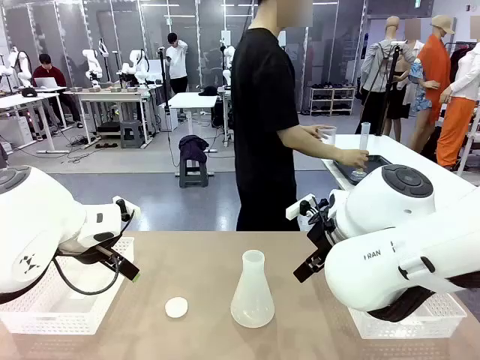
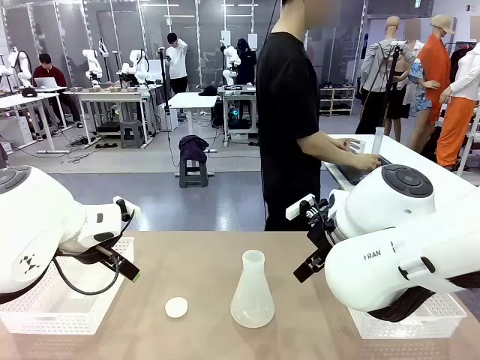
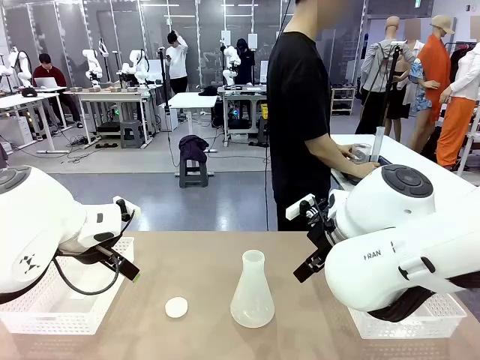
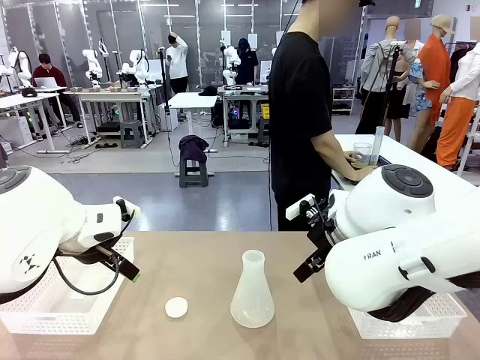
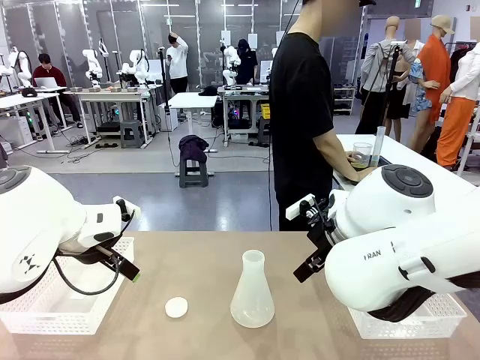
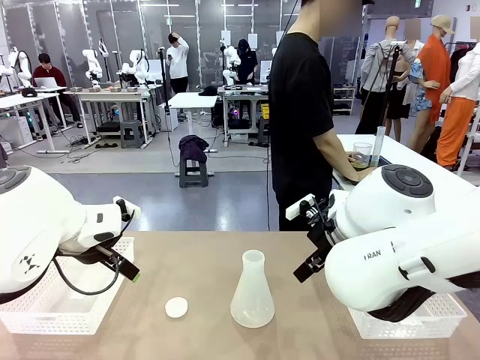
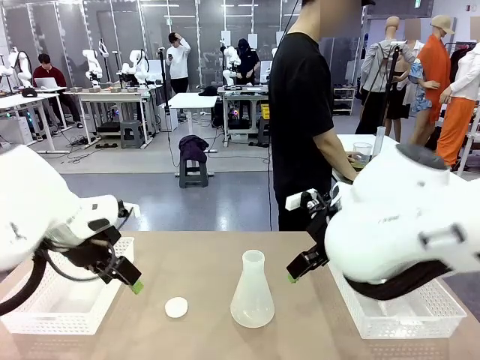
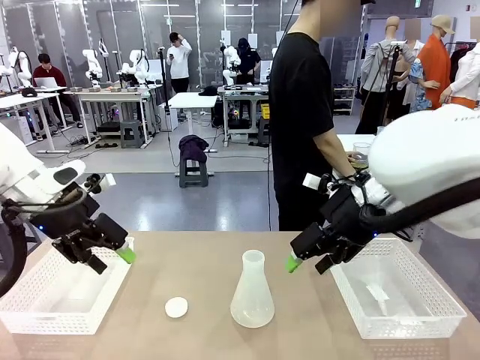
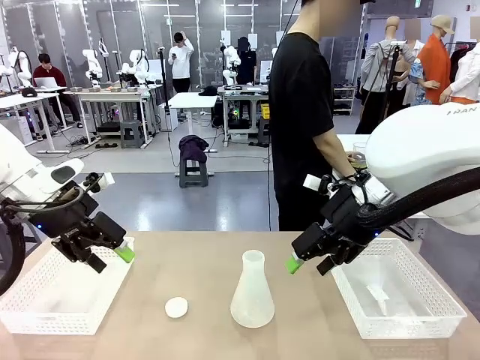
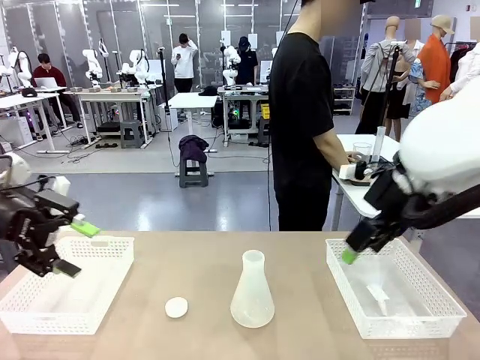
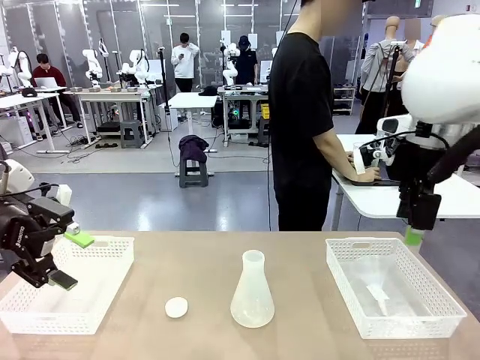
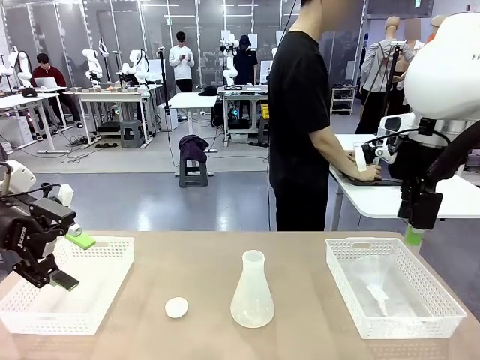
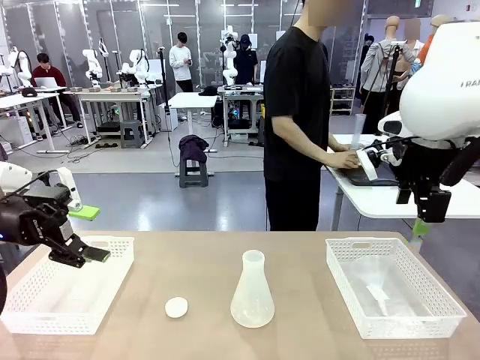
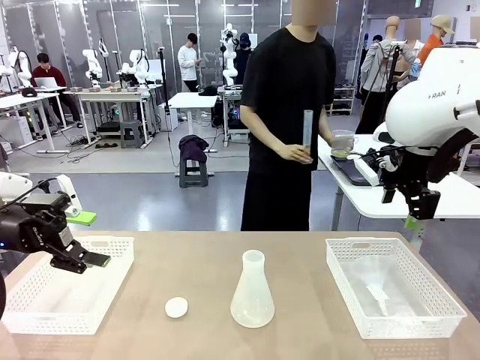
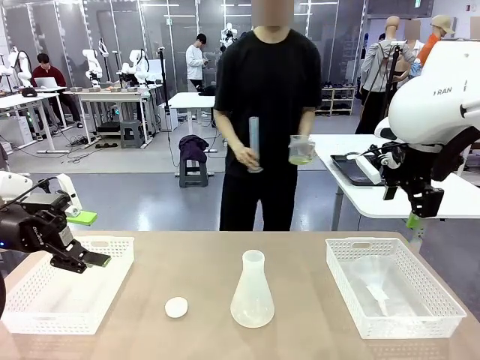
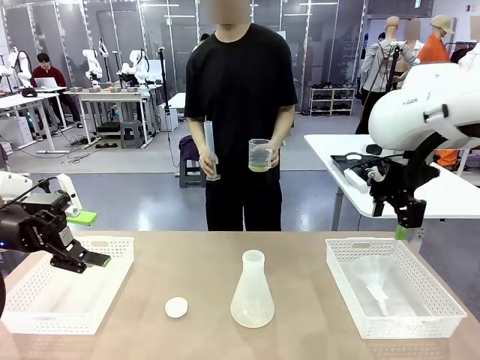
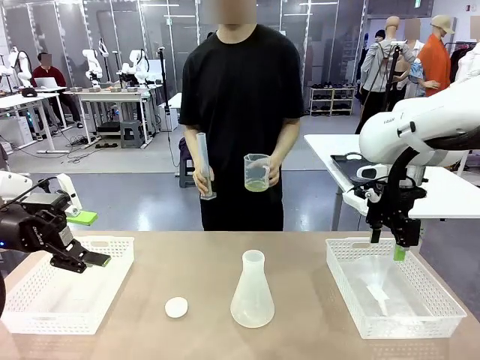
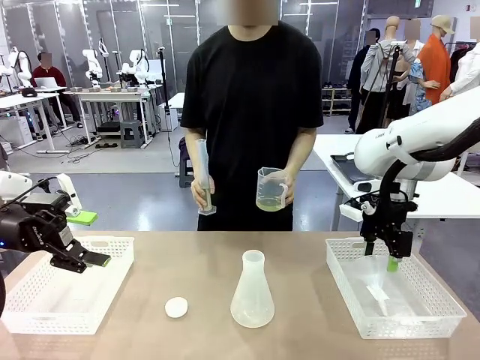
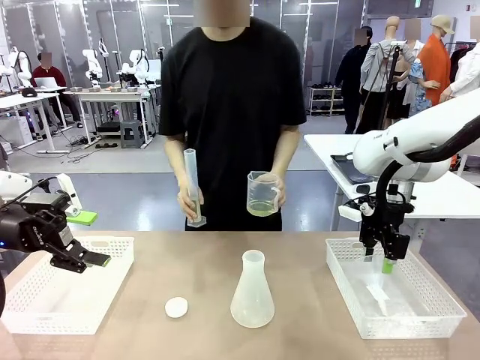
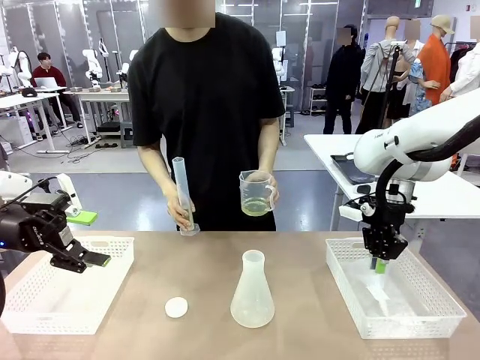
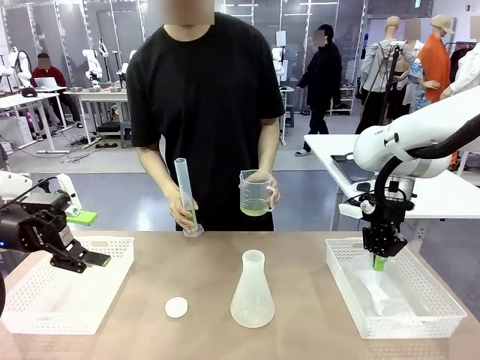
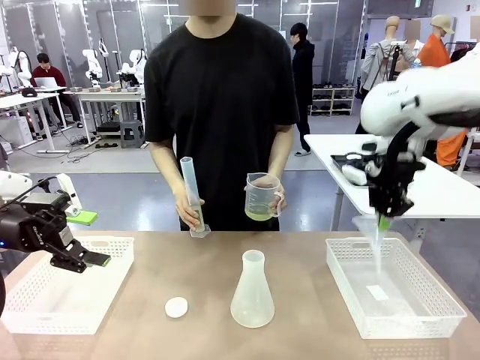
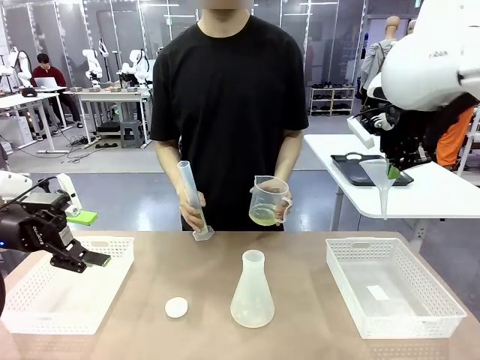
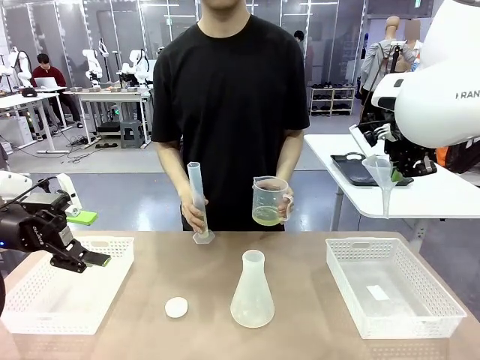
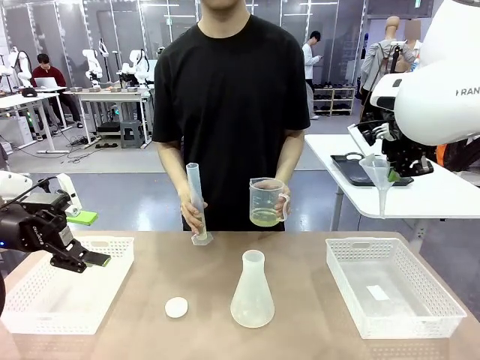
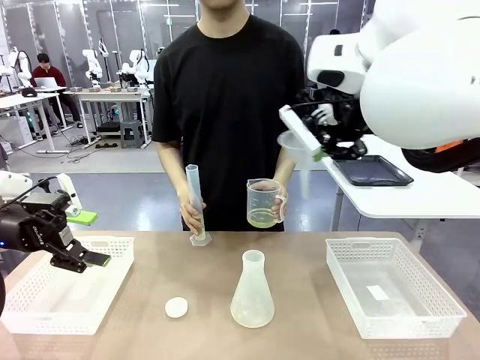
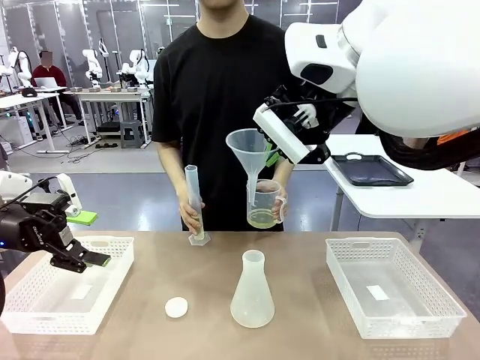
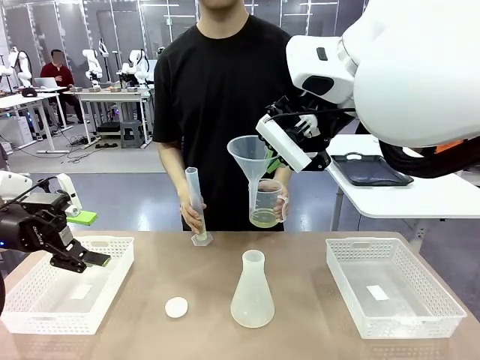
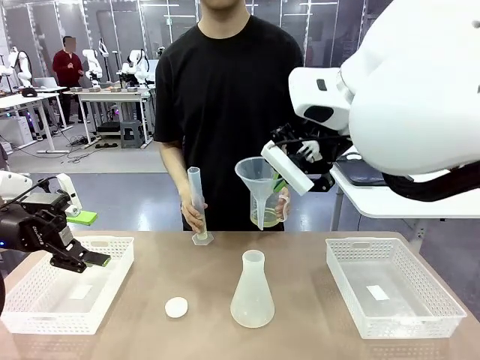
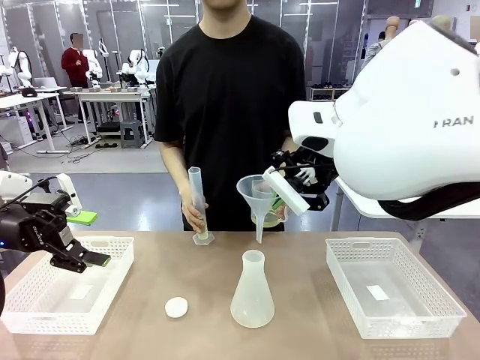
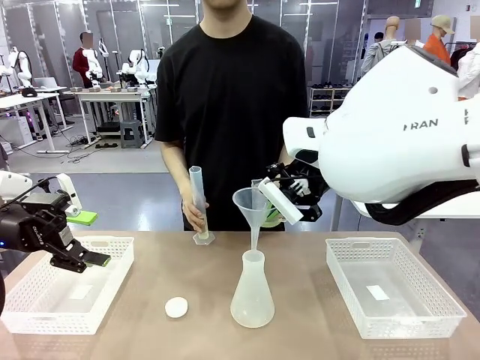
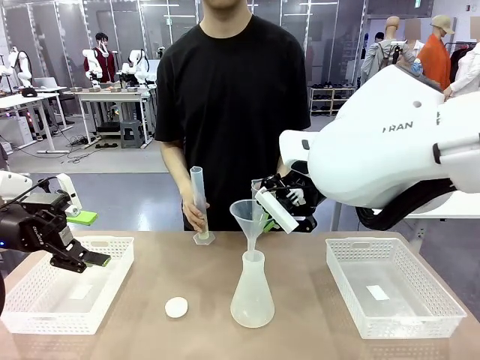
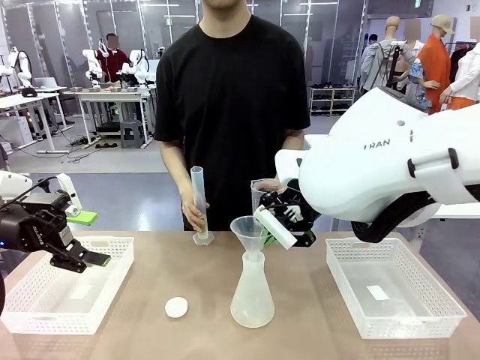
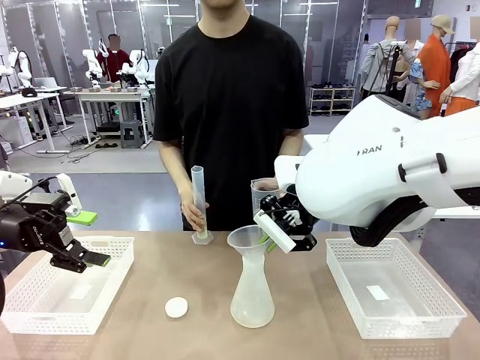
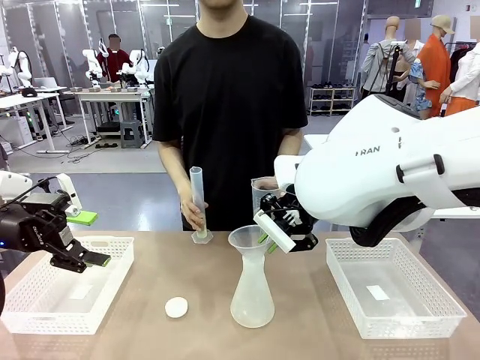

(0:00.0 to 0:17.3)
Task: Prepare the solutions needed for the experiment.
Robot: Pick up the Plastic Funnel and insert it into the Big flask.
Person: Pick up the beaker and the cylinder and move to the middle of the robot table. Pour the solution from the beaker and the cylinder into the flask.

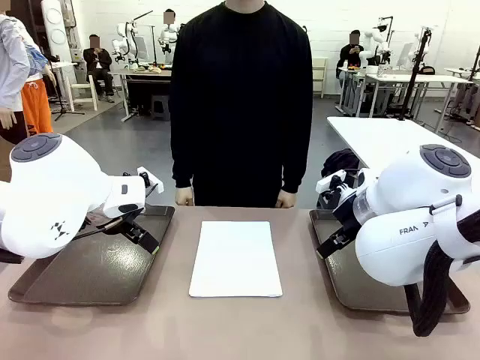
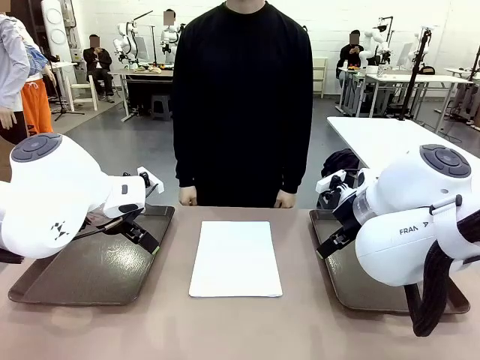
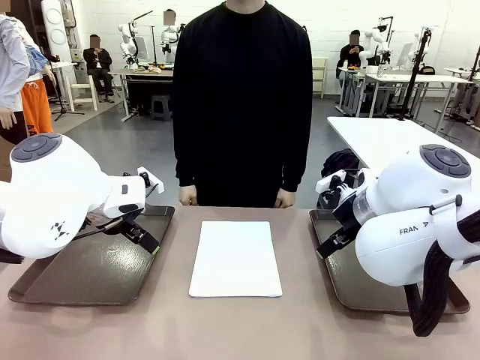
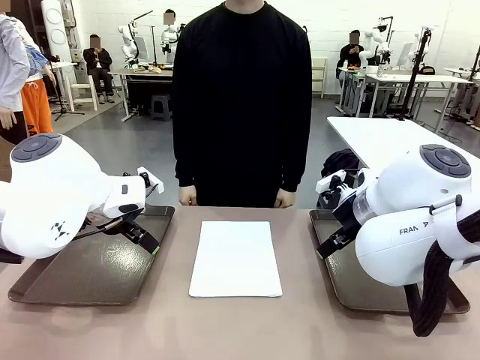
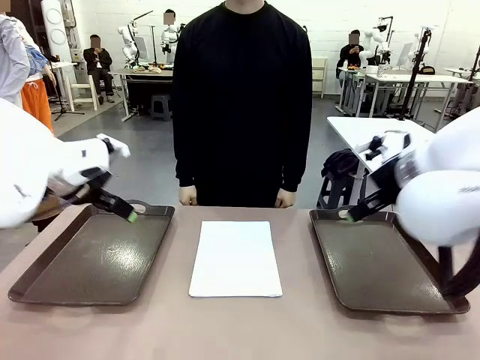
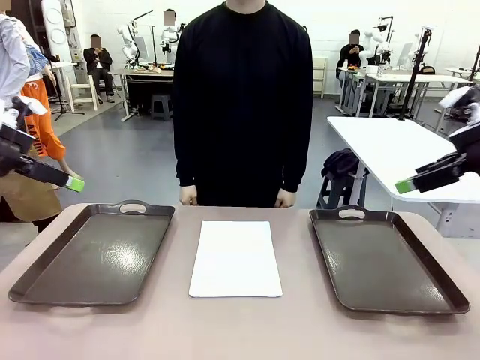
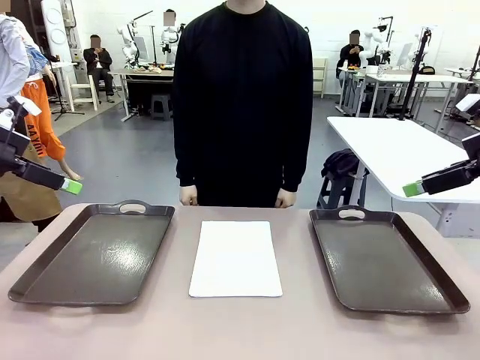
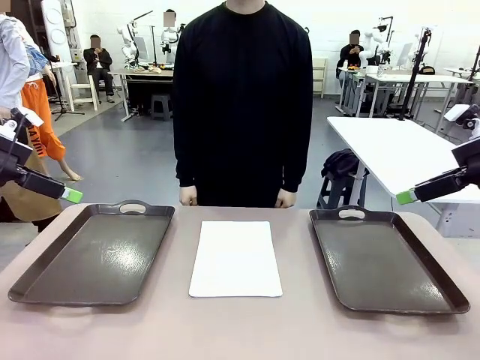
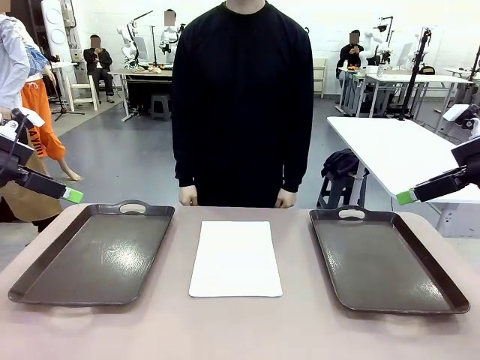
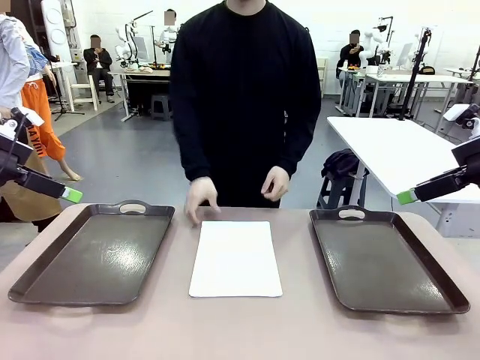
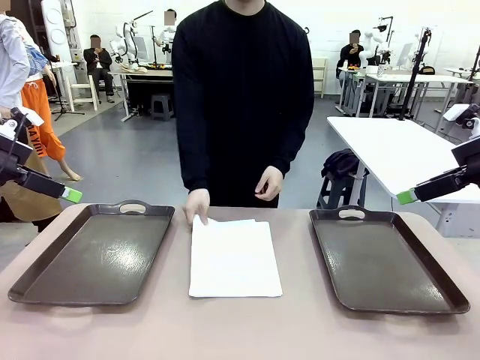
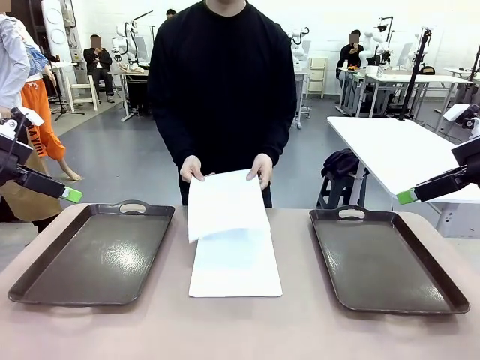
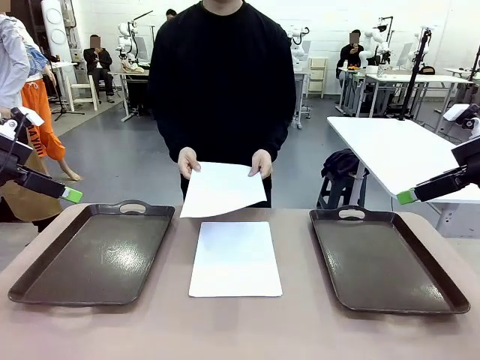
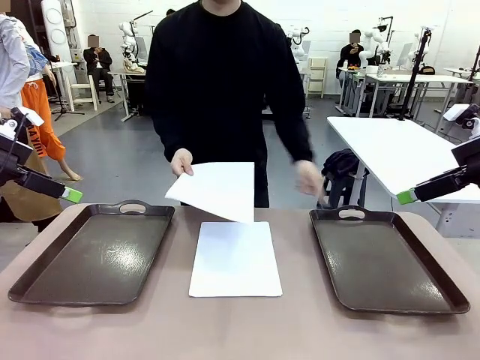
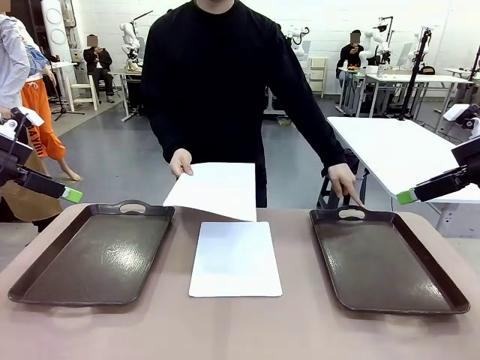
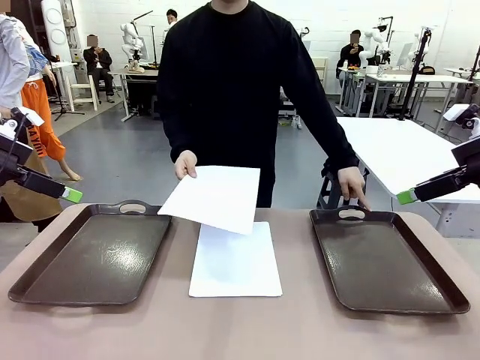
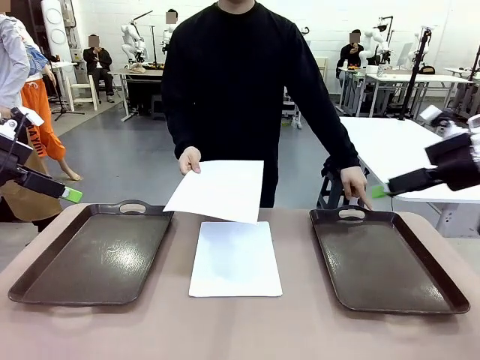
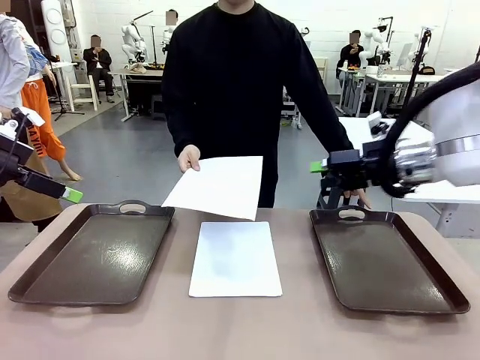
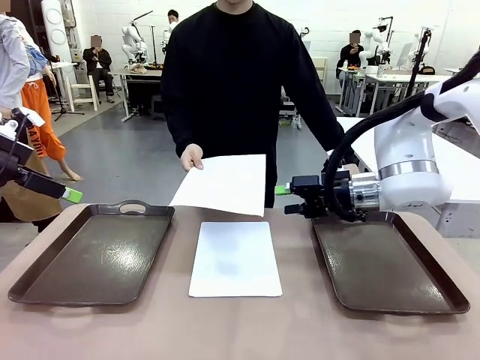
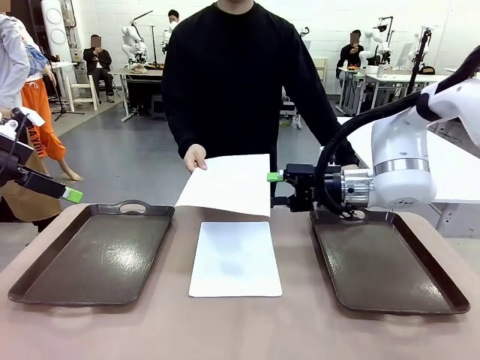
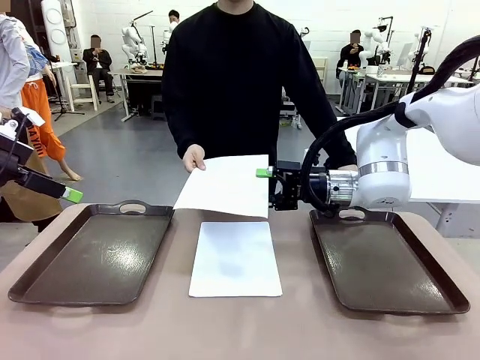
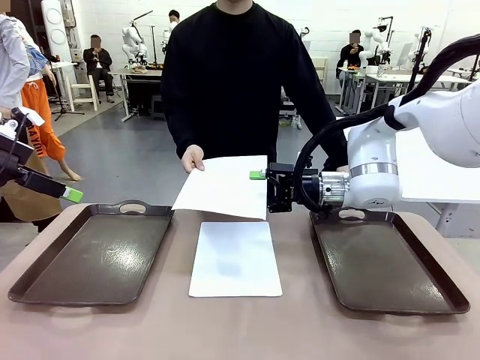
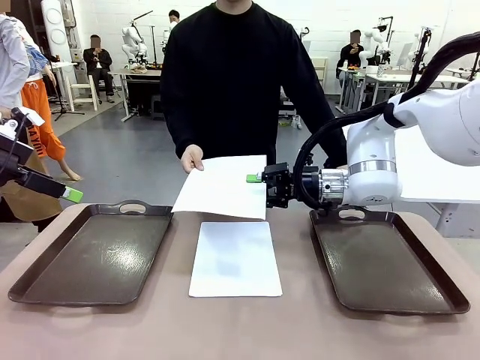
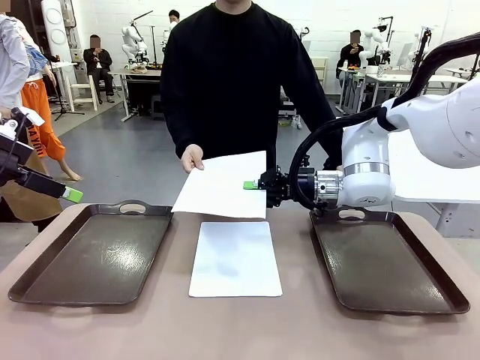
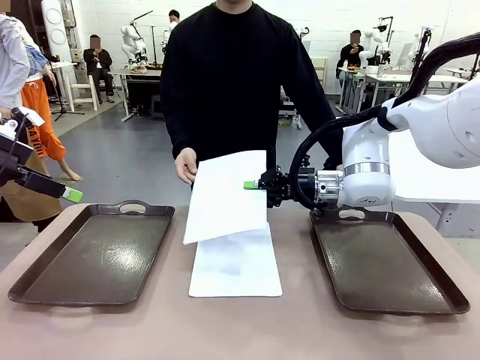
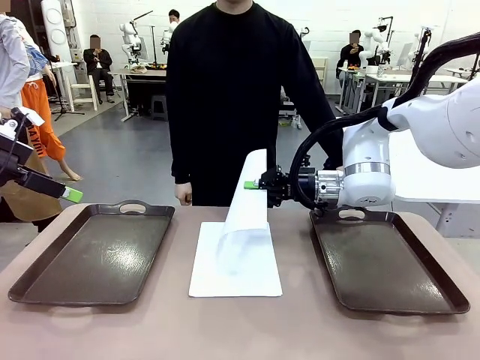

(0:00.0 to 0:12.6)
Task: Sort the A4 documents.
Robot: Receive the A4 Paper.
Person: Pick up a sheet of paper from the center of the table and hand it to the robot. Point the randomly selected tray with the other hand.
